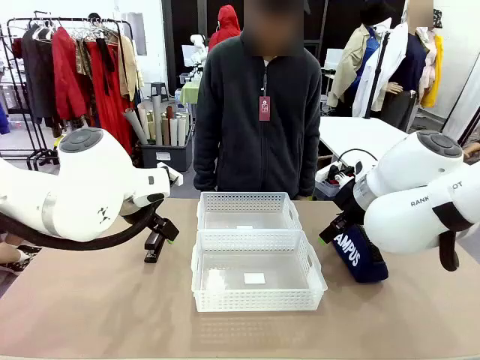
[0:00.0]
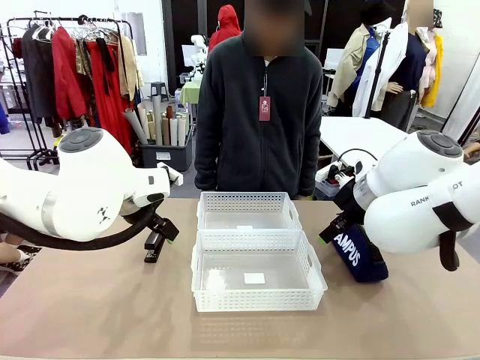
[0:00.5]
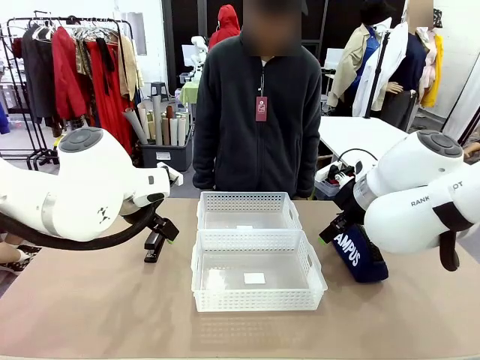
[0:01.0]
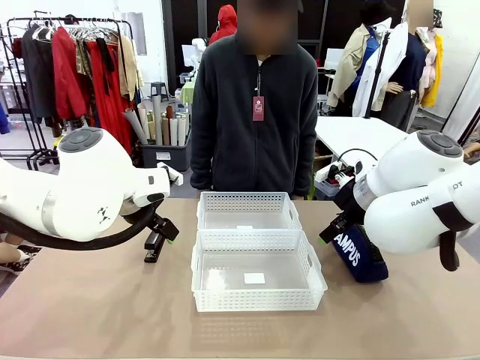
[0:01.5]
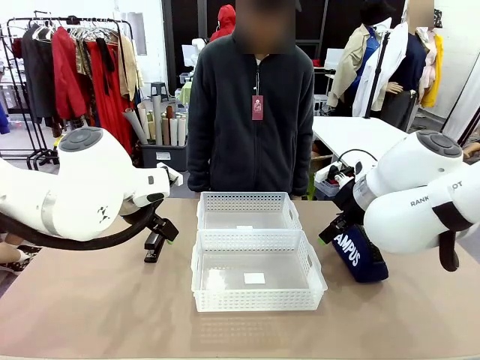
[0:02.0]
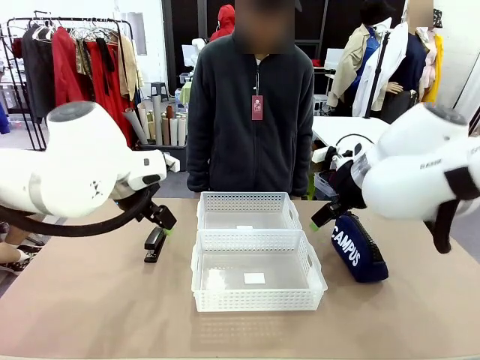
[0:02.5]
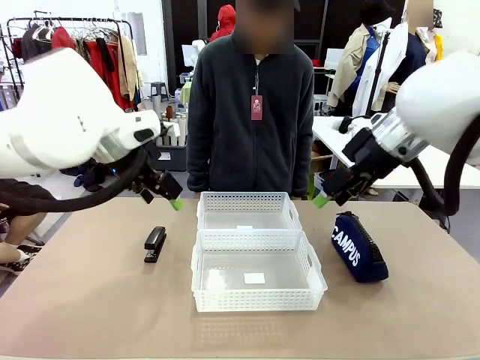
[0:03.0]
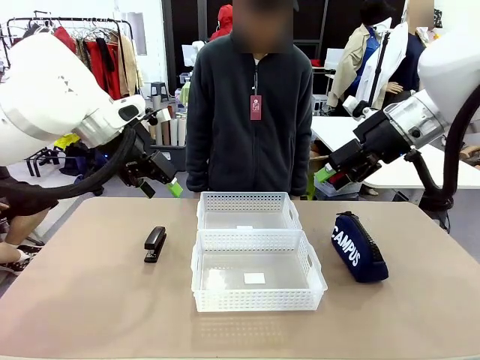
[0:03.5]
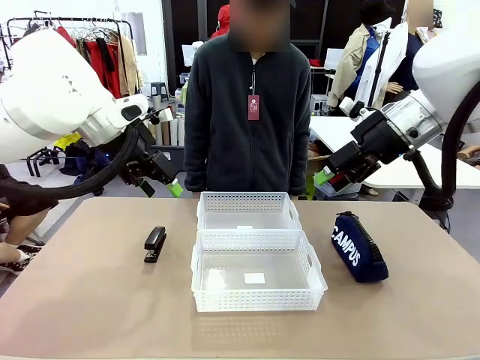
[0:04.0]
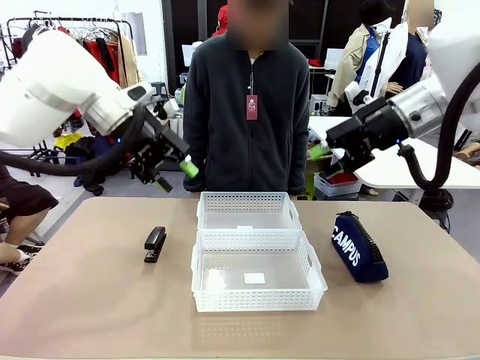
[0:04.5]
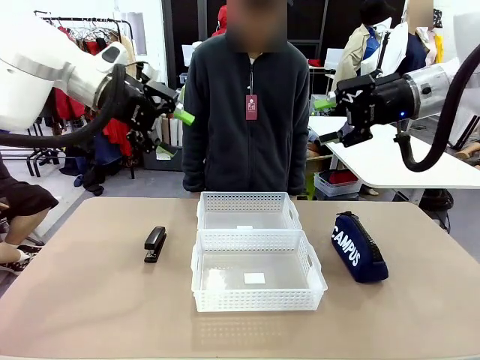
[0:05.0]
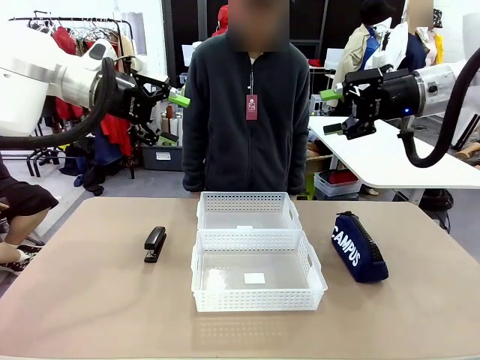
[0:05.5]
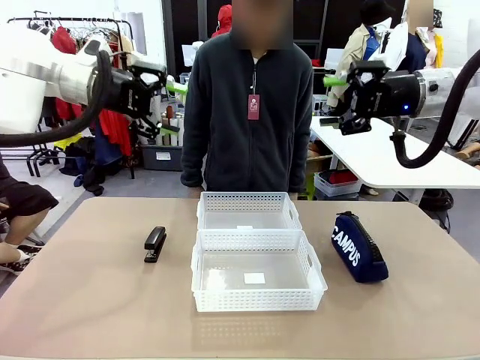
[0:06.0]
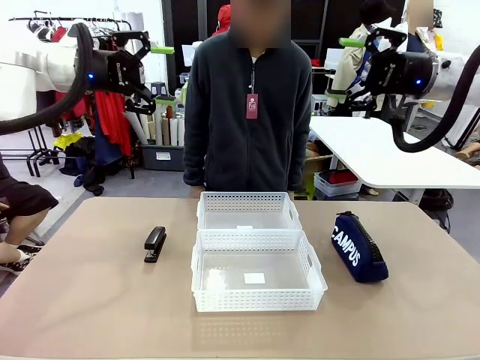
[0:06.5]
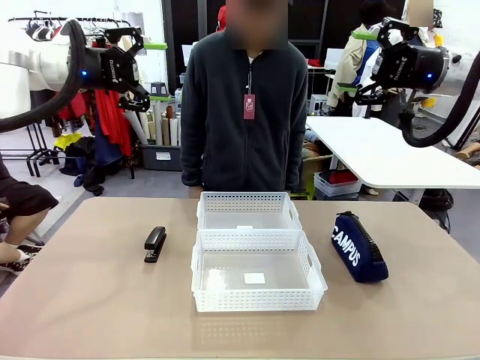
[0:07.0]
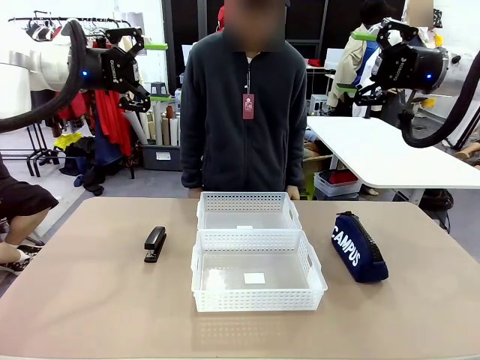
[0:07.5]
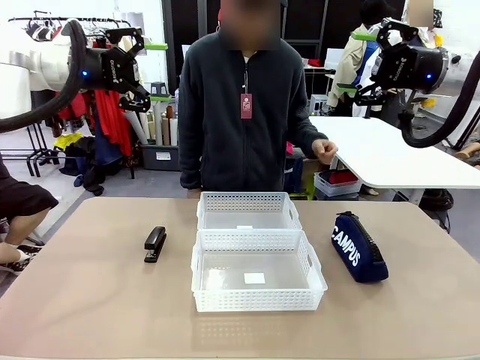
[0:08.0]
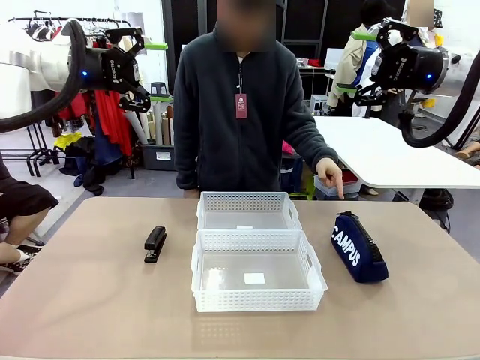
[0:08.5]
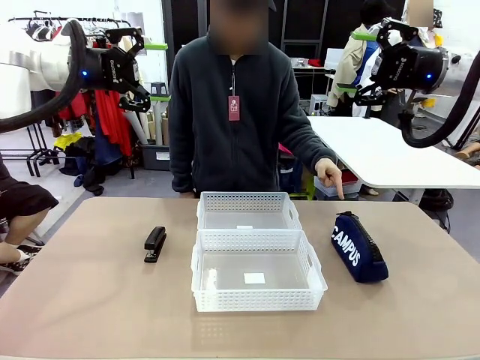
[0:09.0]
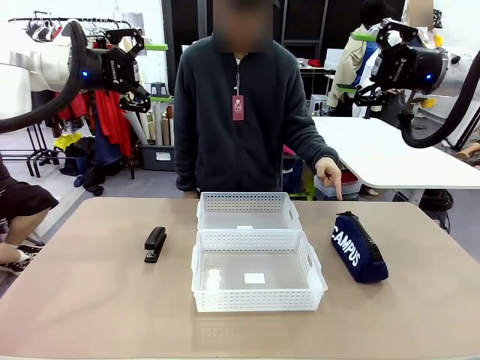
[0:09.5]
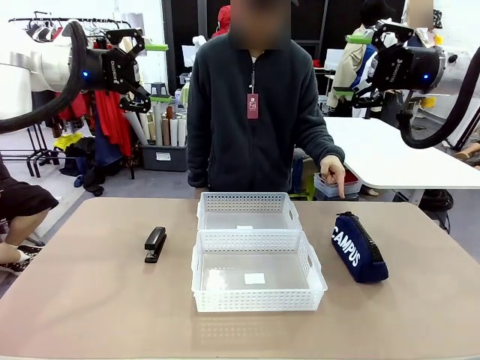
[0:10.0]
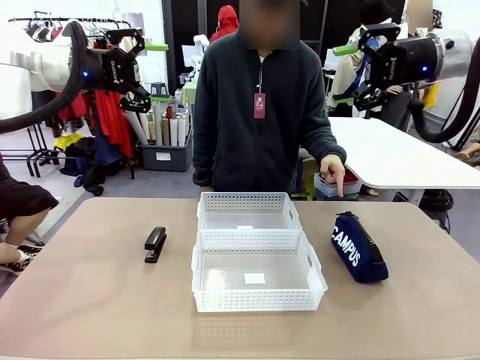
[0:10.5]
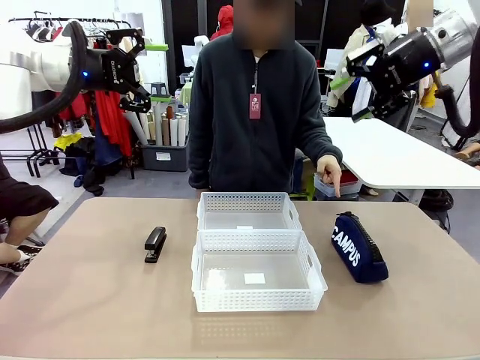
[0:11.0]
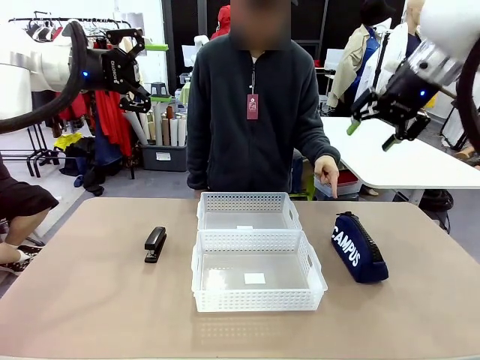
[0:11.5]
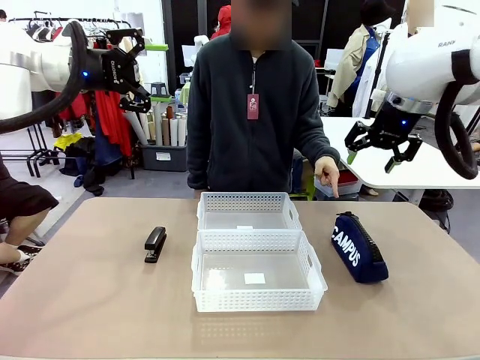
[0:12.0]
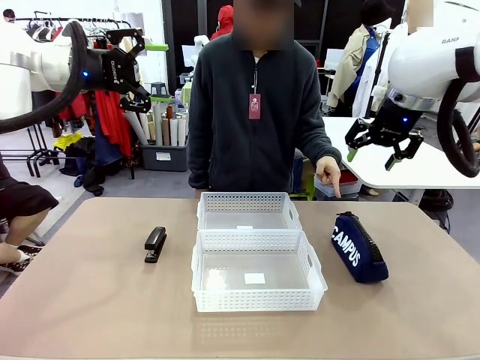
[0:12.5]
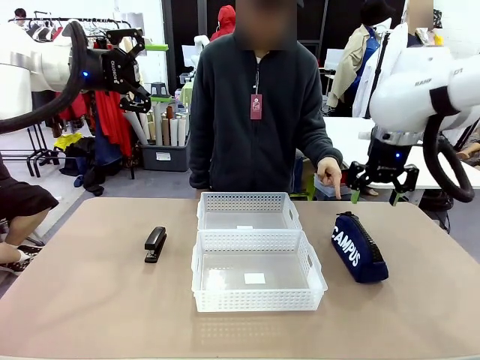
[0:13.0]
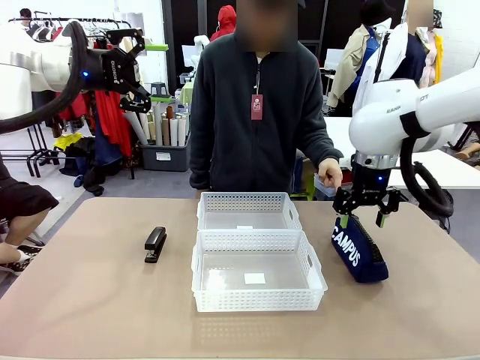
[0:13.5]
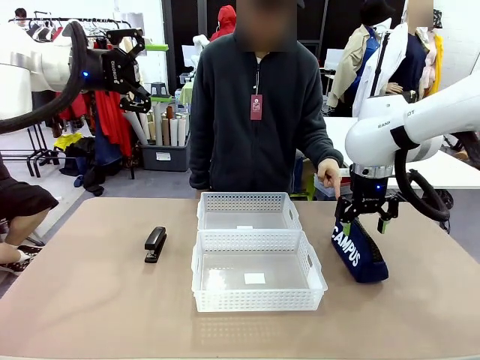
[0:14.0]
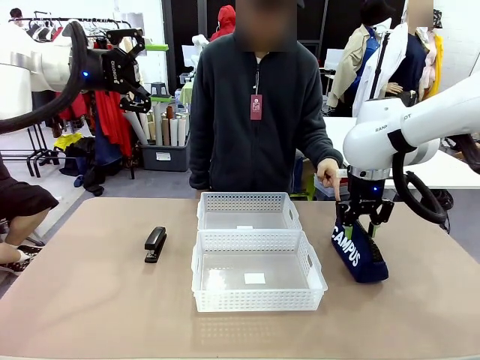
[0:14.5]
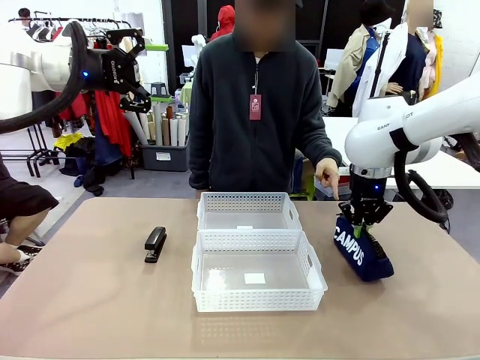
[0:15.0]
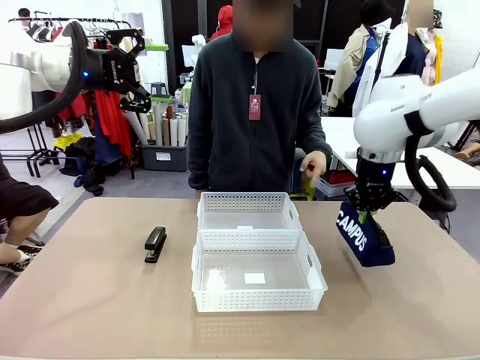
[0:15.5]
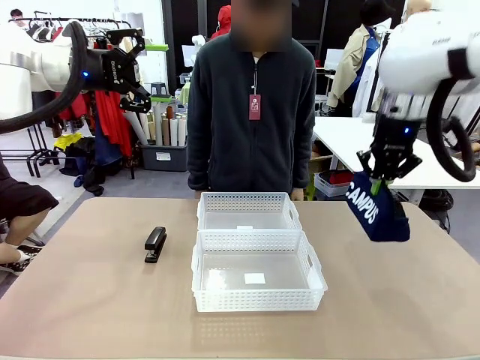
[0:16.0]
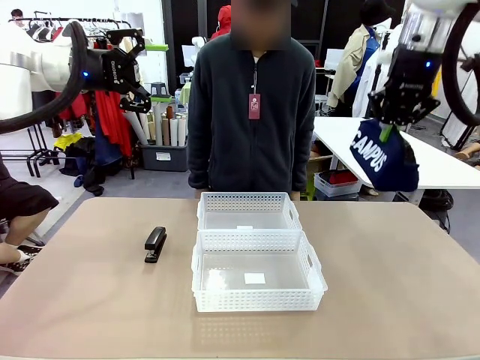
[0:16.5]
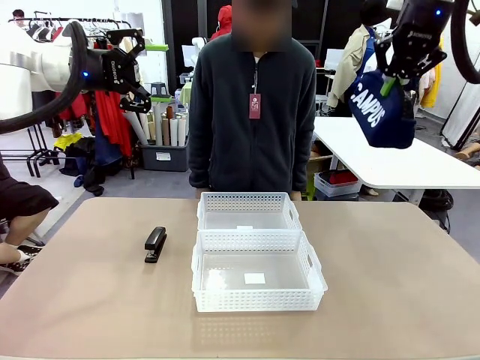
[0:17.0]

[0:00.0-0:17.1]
Task: Distribute items into two baskets.
Robot: Pick up the Pencil pouch that the person points to.
Person: Points to the pencil case. Points between the two organizing baskets and instructs the robot to move the pencil case.

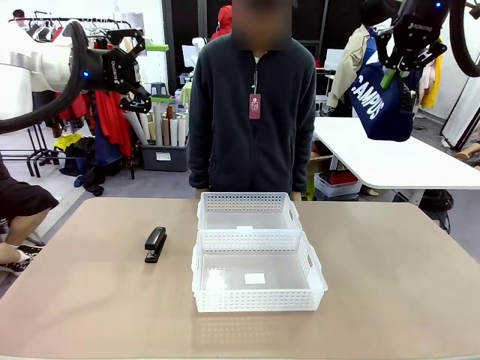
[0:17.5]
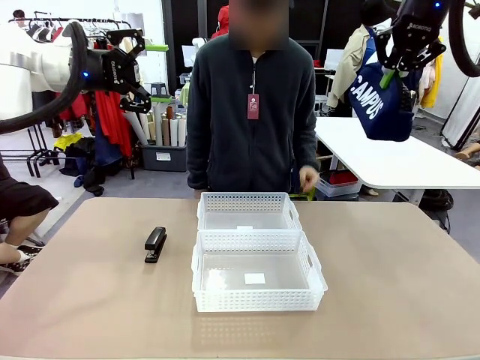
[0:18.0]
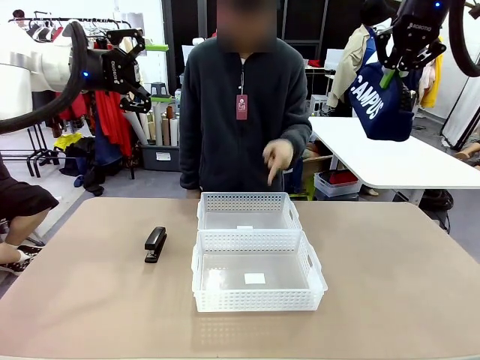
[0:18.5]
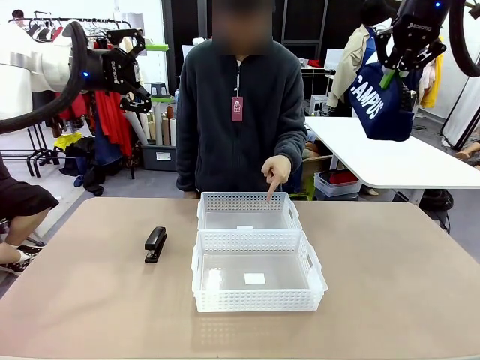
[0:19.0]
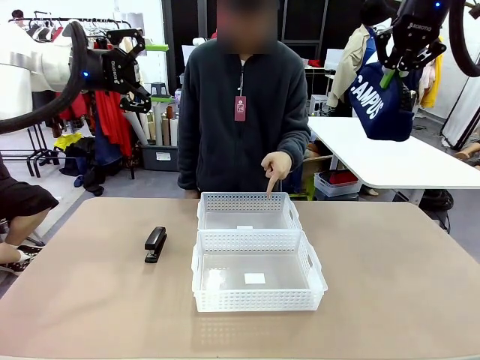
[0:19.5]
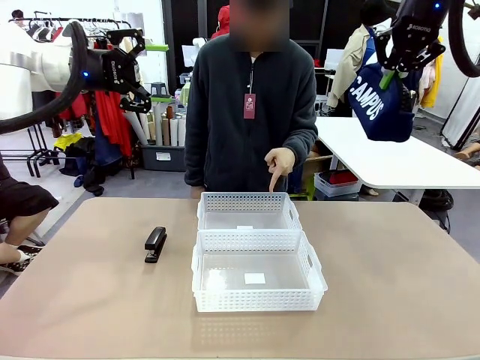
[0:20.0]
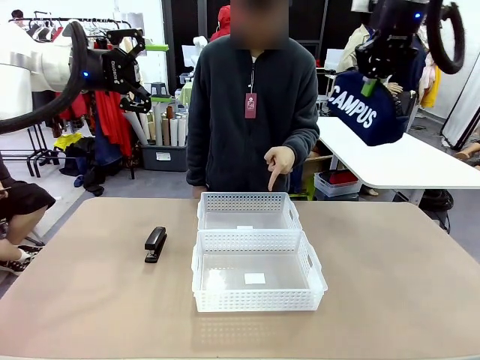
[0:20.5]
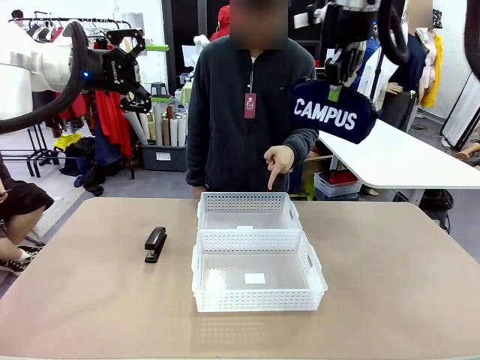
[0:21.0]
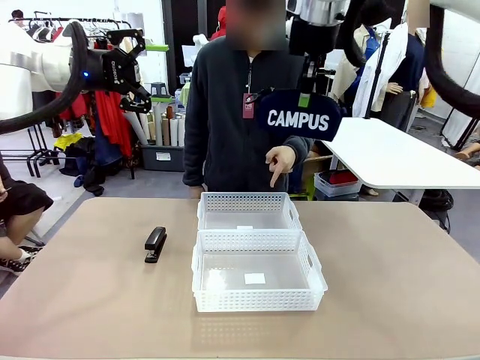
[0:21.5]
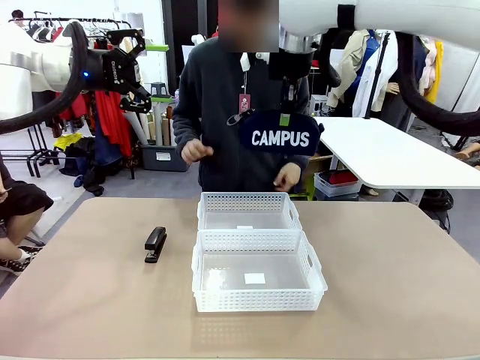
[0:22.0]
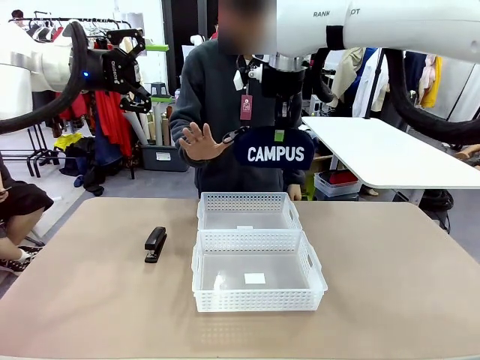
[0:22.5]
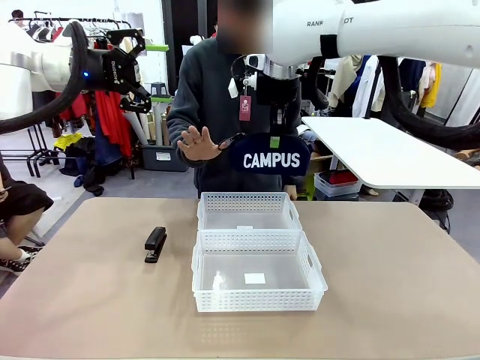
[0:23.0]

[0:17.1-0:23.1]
Robot: Move the picked Pencil pouch towards the Organizing basket indicated by the person, stopping as directed.
Person: Sends a stop gesture before the robot places the pencil case into the basket.

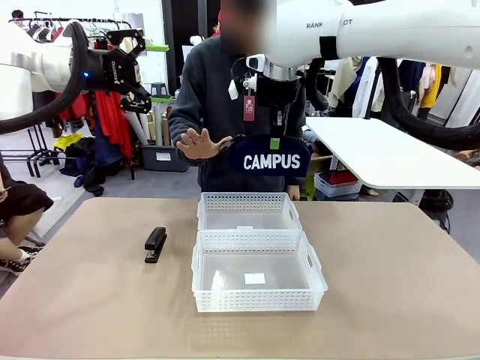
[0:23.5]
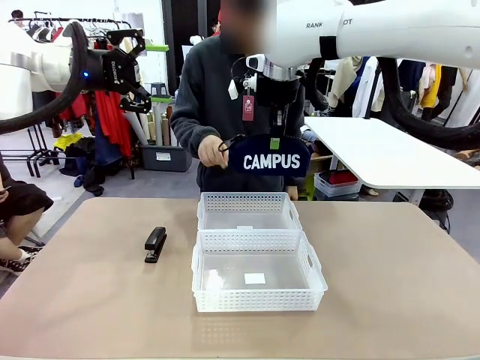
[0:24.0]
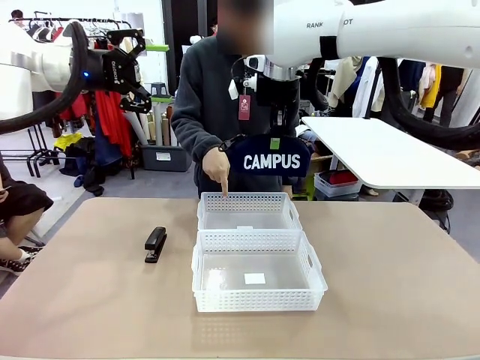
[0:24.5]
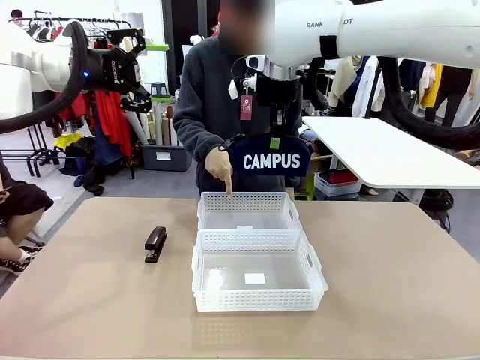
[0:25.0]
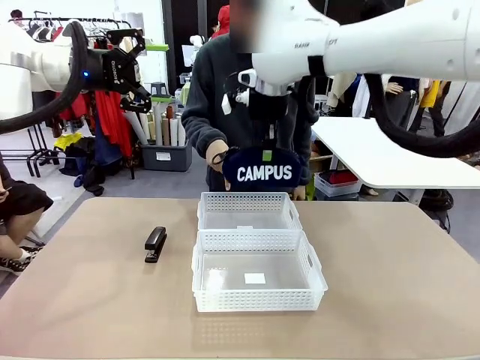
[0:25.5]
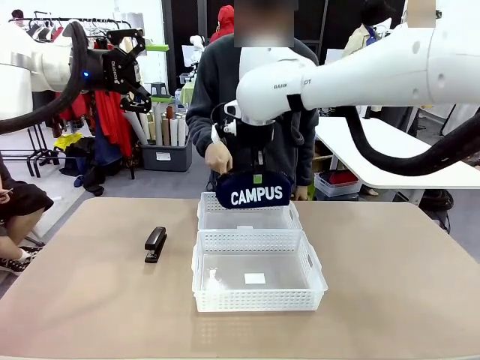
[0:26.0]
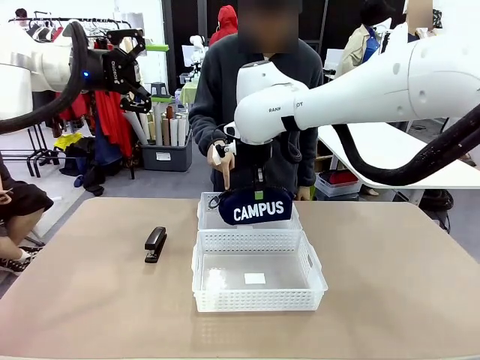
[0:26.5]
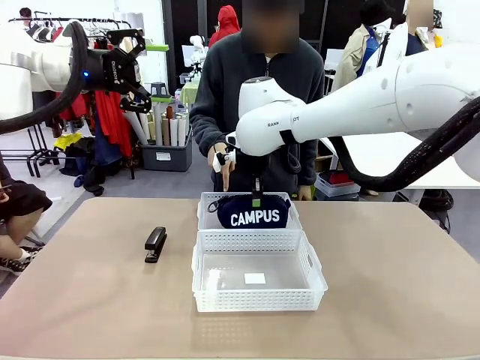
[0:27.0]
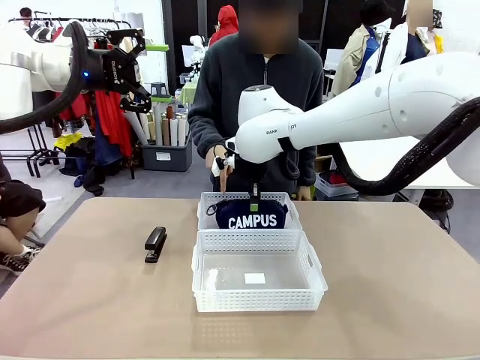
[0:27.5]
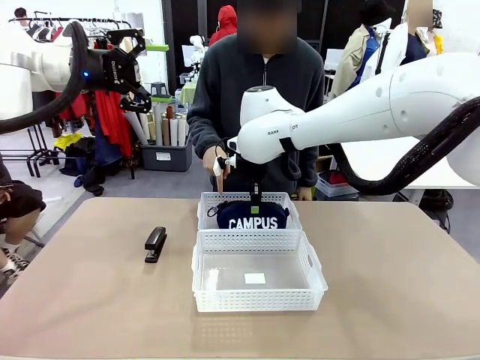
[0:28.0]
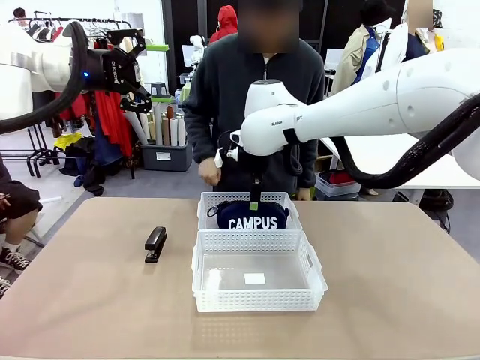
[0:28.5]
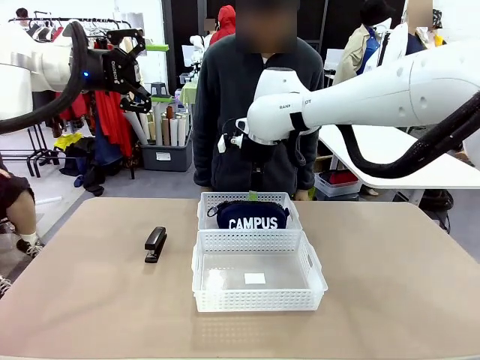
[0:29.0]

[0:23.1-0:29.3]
Robot: Place the picked Pencil pouch into the Organizing basket as instructed by the person.
Person: Instructs the robot to place the pencil case into the opposite basket.
